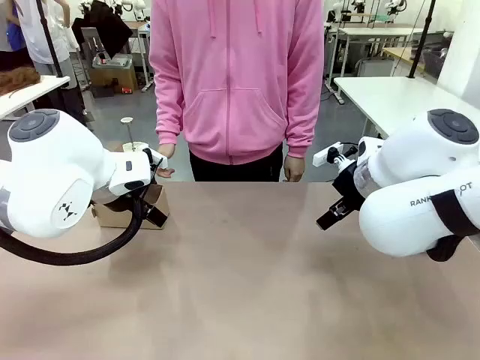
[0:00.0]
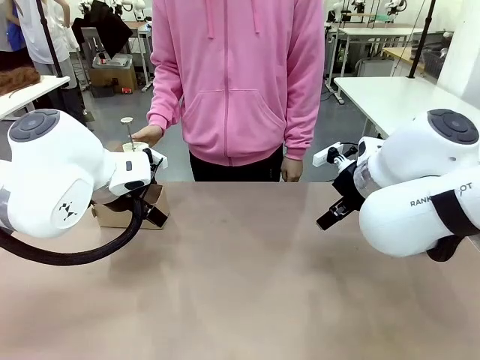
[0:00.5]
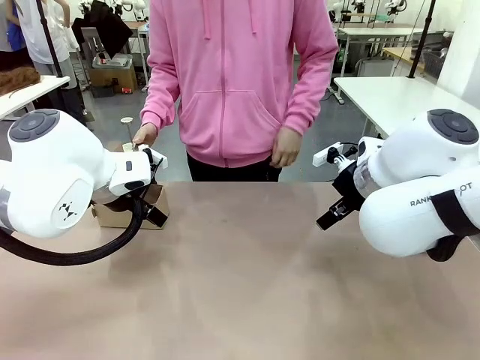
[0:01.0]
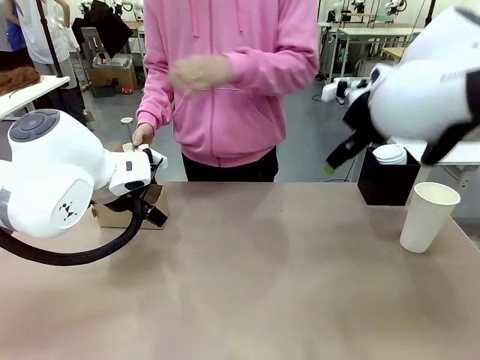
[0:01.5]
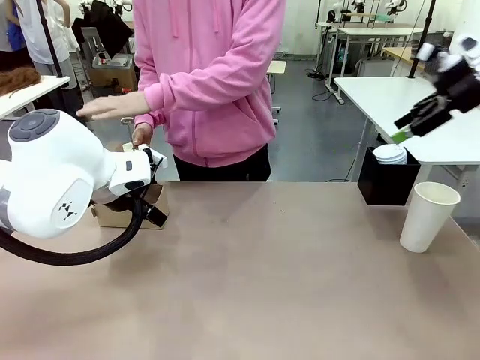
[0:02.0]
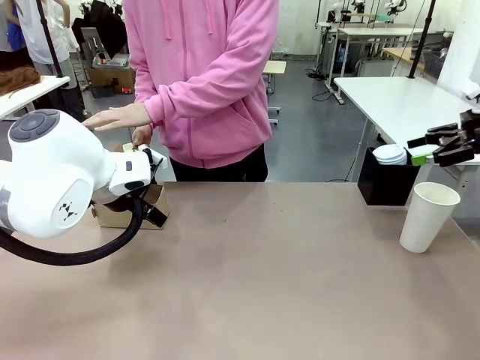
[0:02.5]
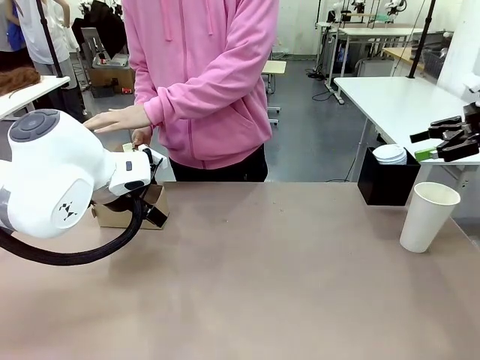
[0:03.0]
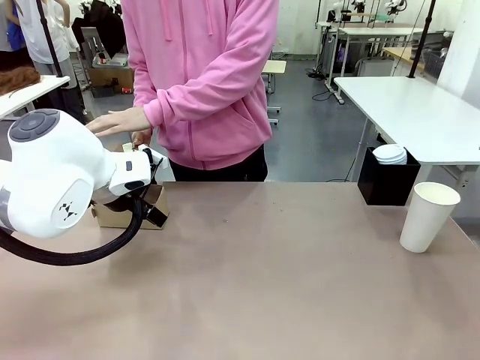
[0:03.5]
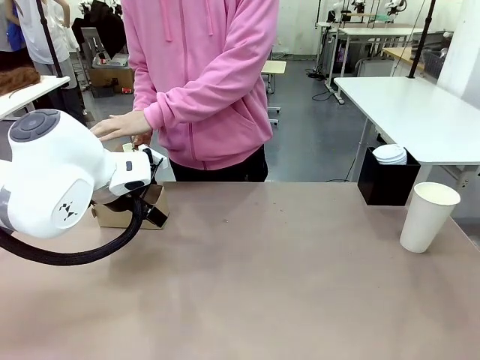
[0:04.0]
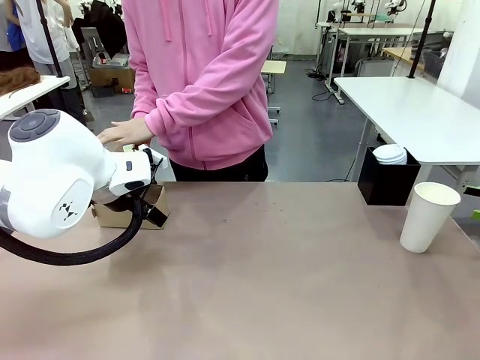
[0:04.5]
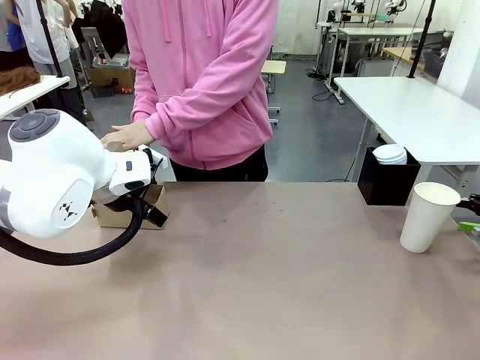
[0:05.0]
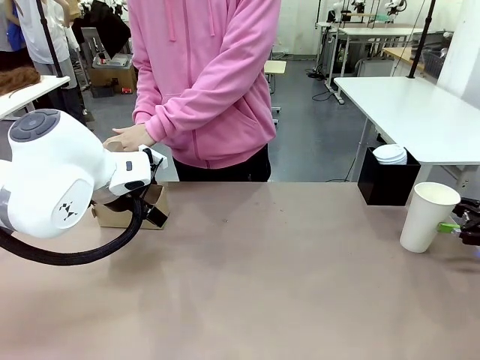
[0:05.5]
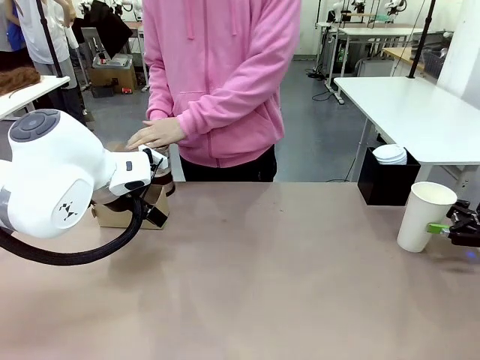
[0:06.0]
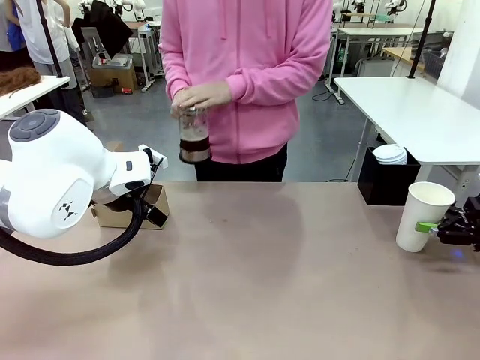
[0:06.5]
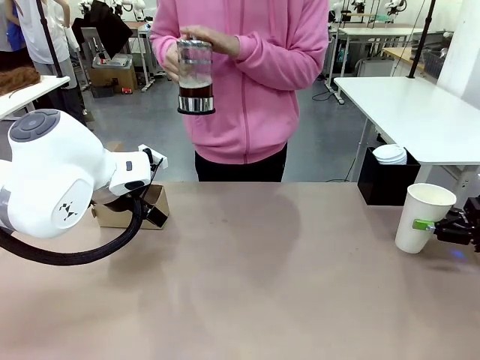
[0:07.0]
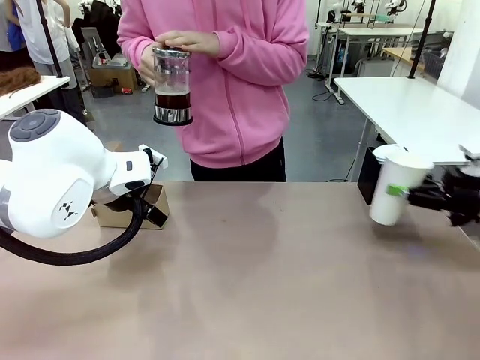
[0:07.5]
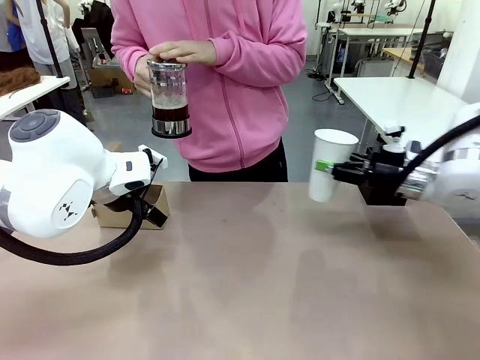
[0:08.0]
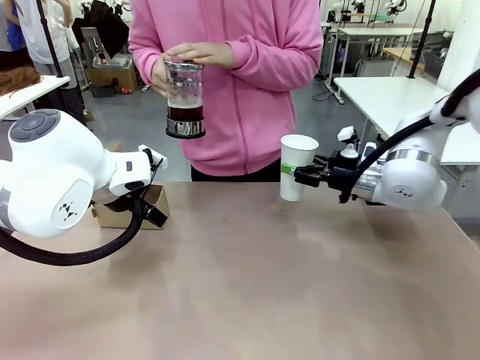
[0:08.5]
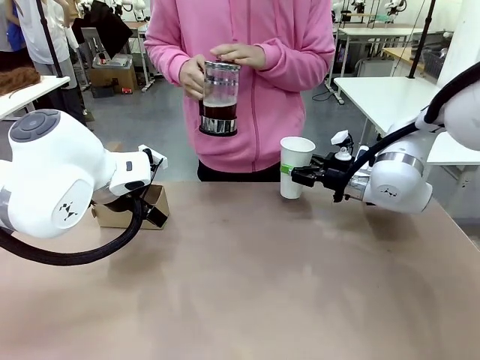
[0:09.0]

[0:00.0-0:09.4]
Task: Pour a drink into a cup and package it in a carrier.
Robot: Pick up the 600 ml Paper Cup and place it in the middle top area of the table.
Person: Press and pick up the Filter Brewing.

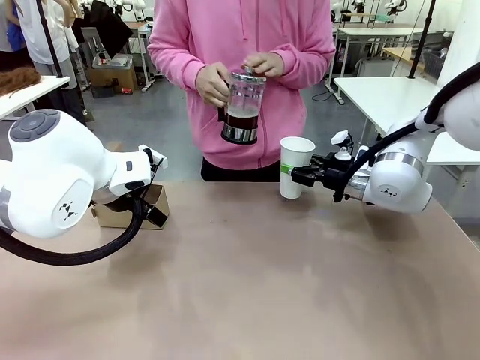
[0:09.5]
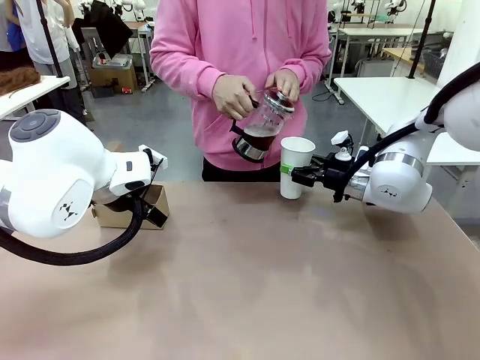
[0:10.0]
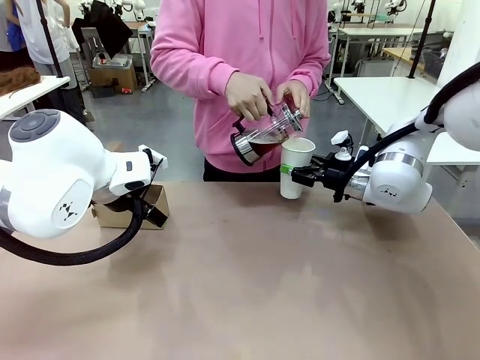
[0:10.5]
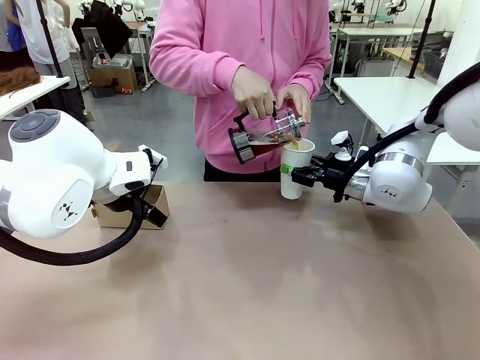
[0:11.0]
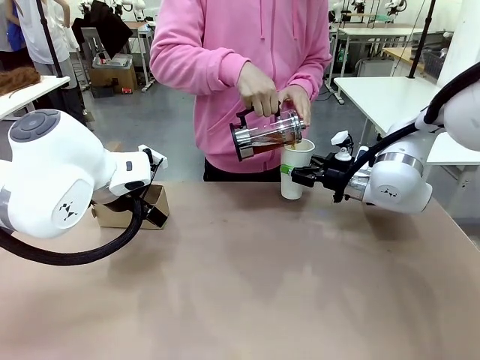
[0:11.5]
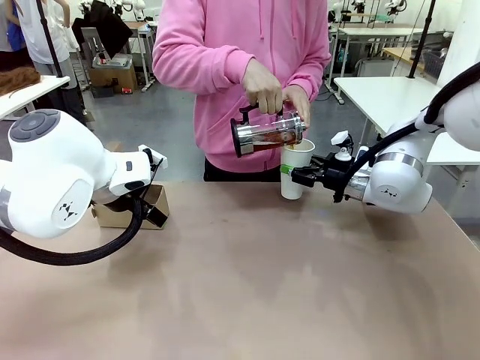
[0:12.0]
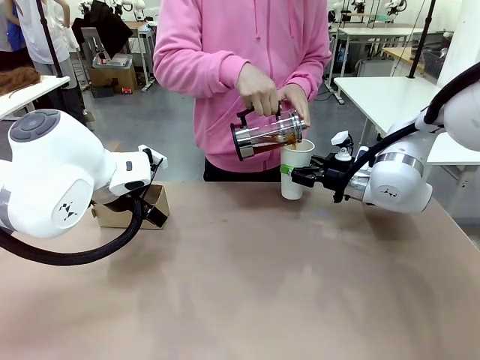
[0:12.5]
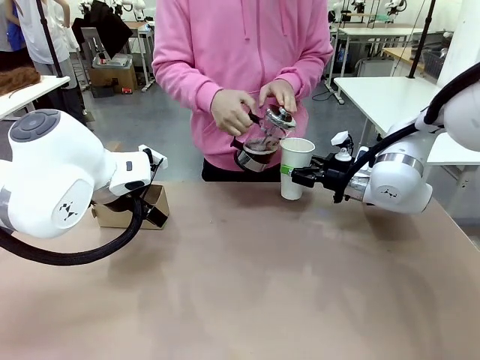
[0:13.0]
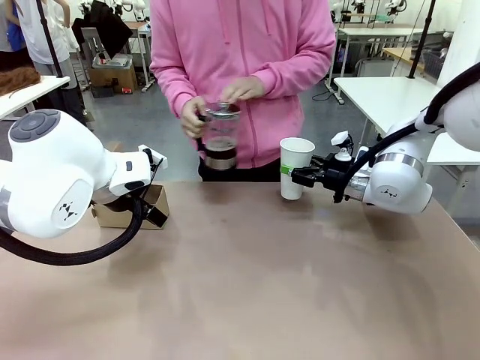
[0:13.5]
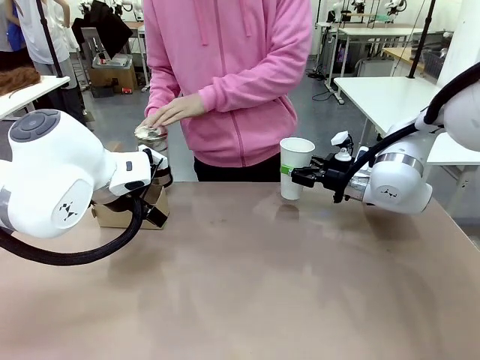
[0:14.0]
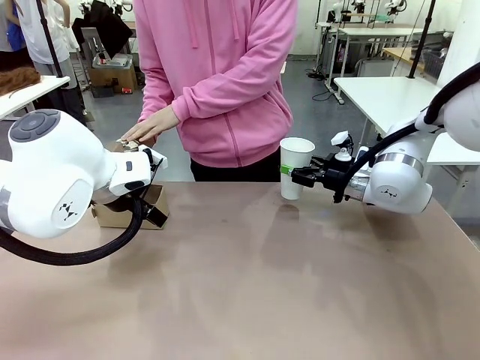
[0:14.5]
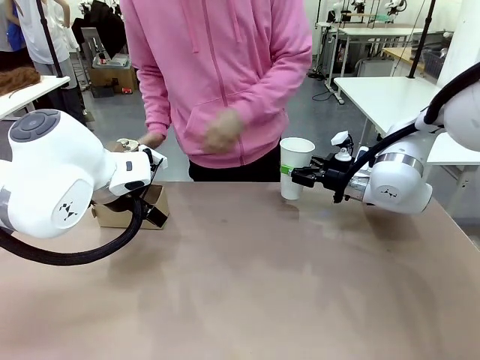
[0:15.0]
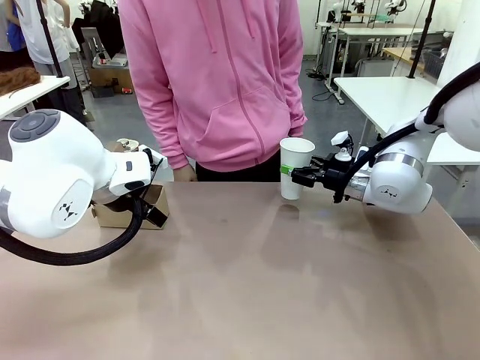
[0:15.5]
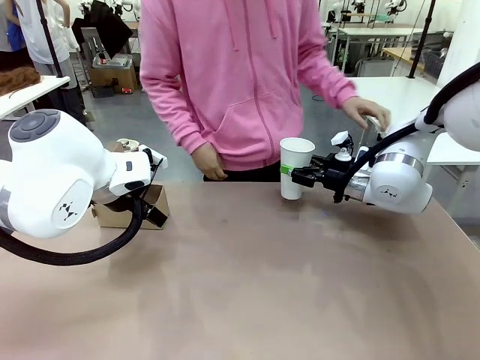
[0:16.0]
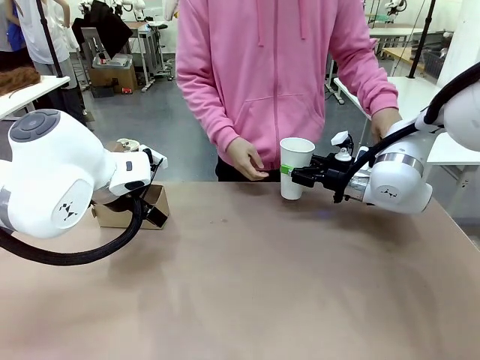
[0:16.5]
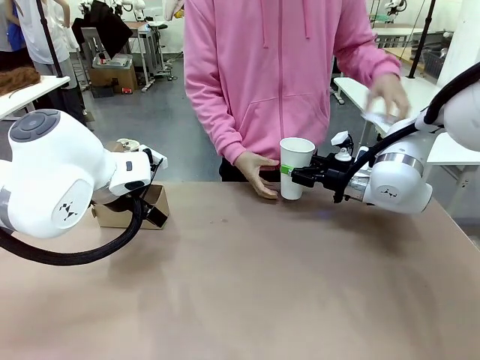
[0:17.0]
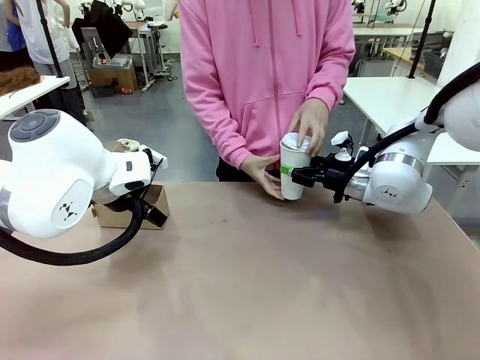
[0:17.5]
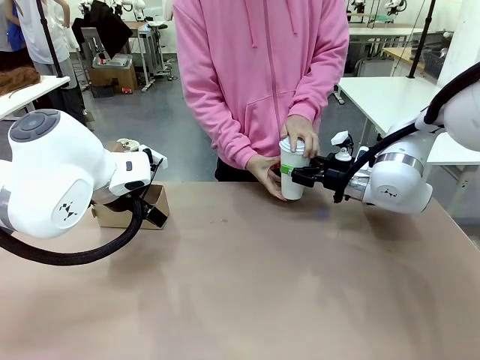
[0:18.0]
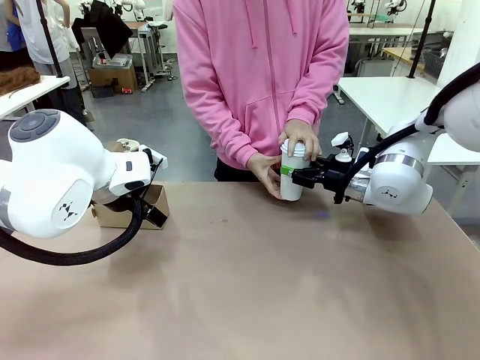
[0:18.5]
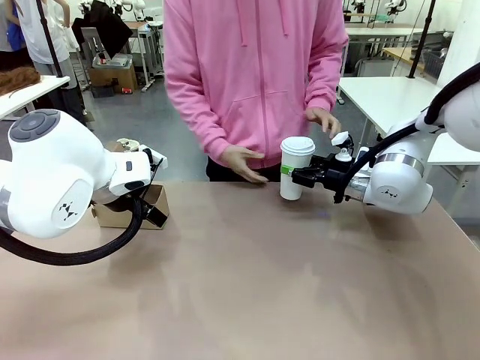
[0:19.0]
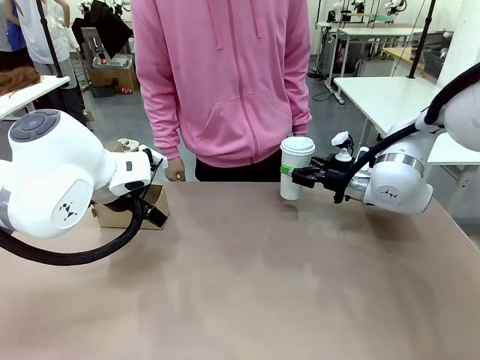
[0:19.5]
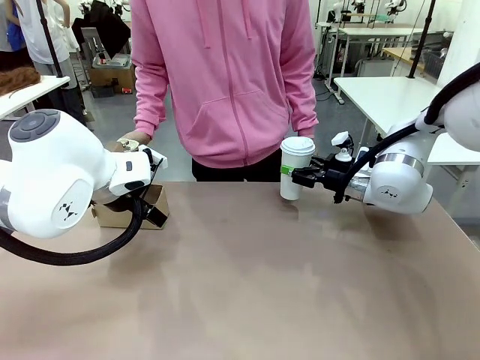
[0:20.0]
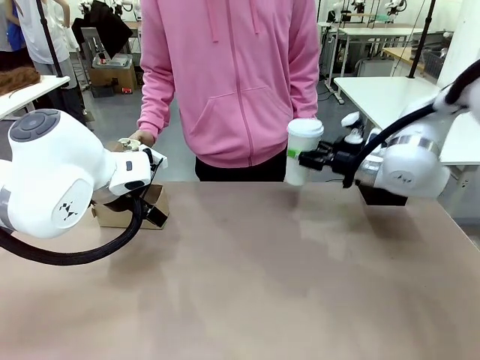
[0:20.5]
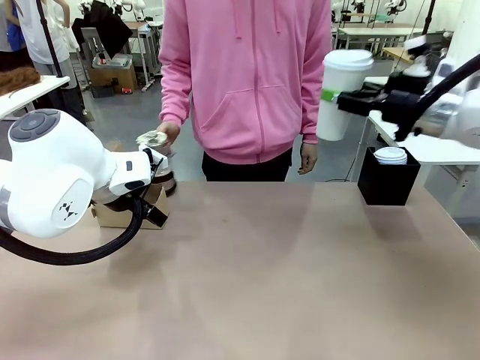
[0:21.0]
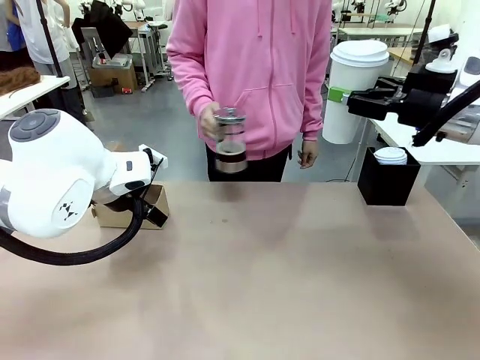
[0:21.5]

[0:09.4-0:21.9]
Robot: When a person places the Paper Cup Lid on the 600 ml Paper Cup , lift the 600 ml Paper Cup.
Person: Pour the drink from the Filter Brewing into the 600 ml Paper Cup. Place a Paper Cup Lid on the 600 ml Paper Cup.

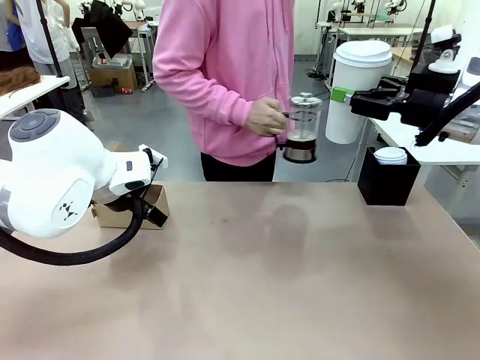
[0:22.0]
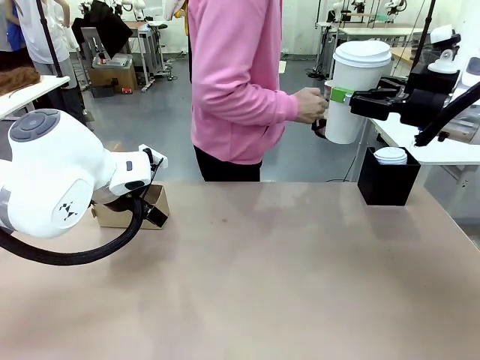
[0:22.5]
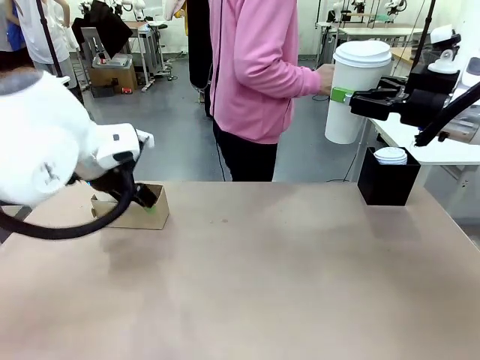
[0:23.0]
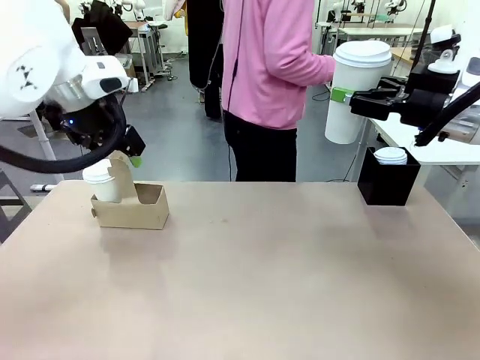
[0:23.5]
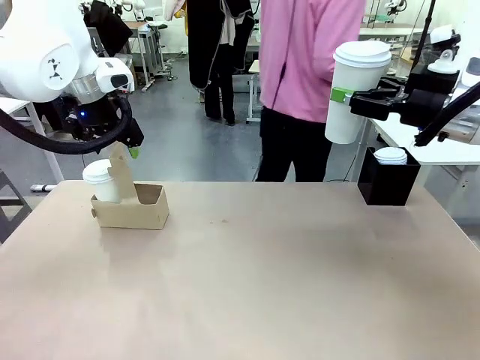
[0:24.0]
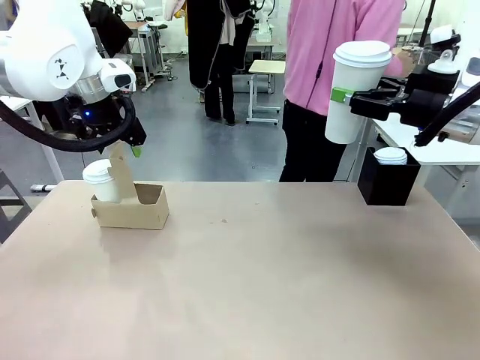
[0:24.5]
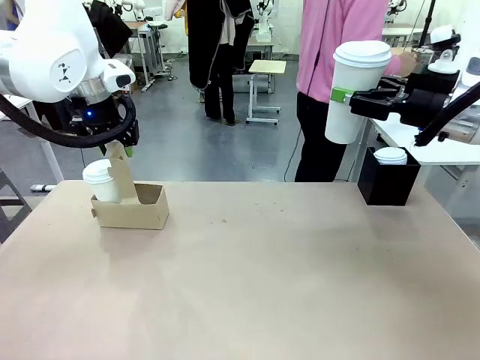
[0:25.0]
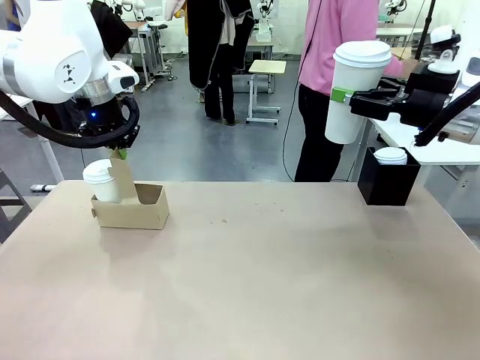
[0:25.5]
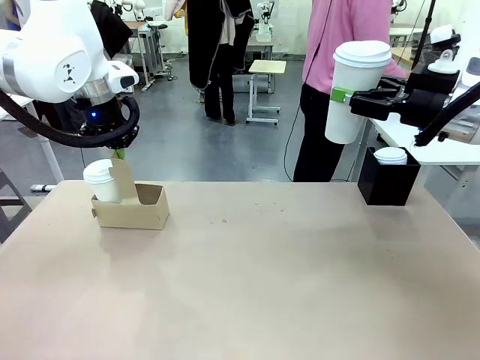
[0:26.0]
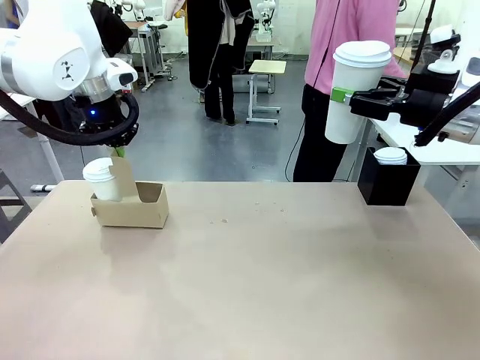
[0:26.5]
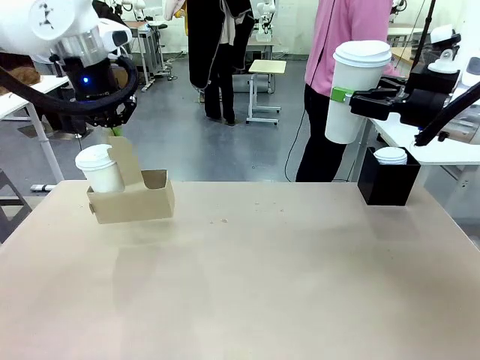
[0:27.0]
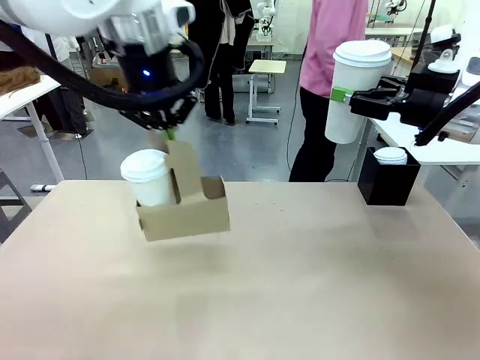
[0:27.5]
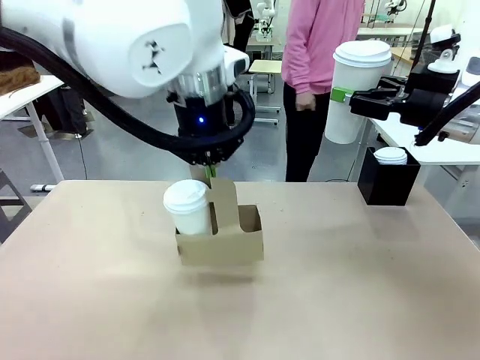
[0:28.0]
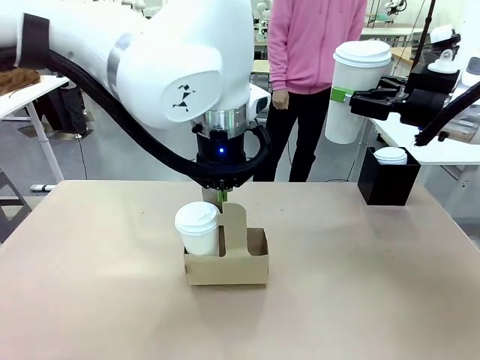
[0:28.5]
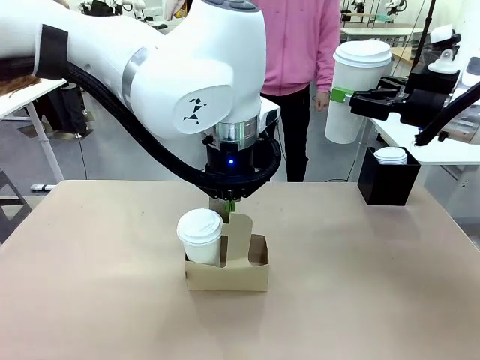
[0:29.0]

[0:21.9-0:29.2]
Robot: Position the Cup Carrier in the center of the table.
Person: Pick up the Filter Brewing and place on the middle of Human table, and return to the Robot table.
